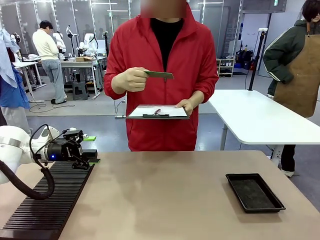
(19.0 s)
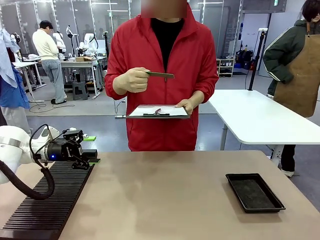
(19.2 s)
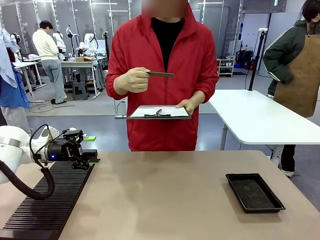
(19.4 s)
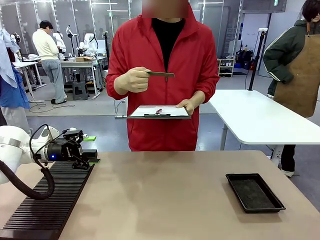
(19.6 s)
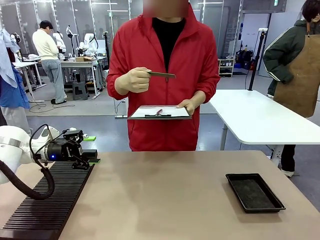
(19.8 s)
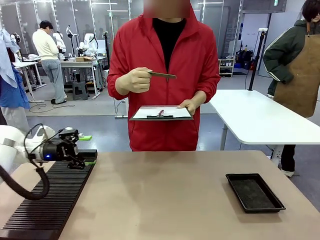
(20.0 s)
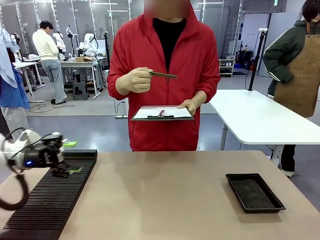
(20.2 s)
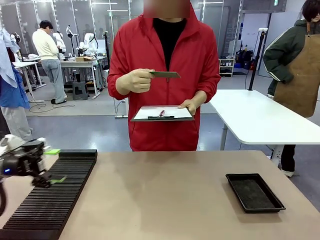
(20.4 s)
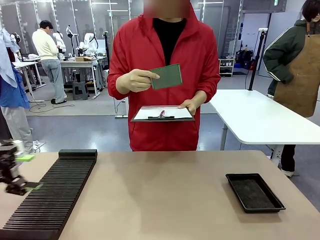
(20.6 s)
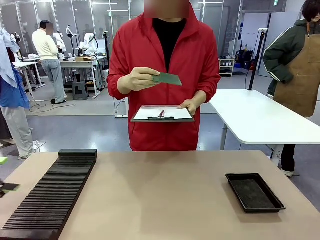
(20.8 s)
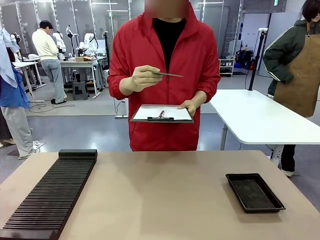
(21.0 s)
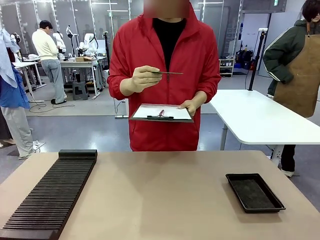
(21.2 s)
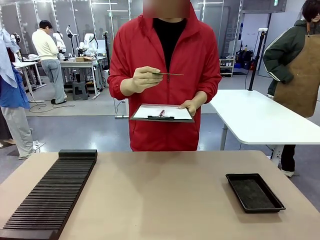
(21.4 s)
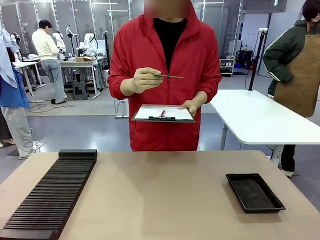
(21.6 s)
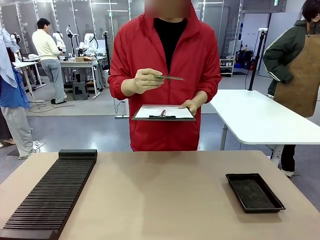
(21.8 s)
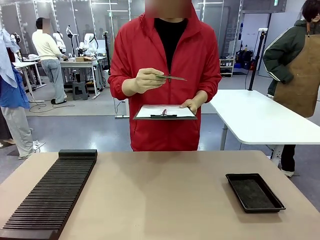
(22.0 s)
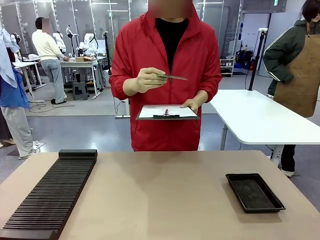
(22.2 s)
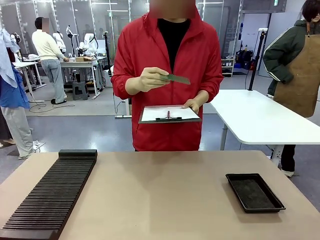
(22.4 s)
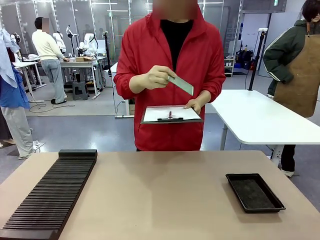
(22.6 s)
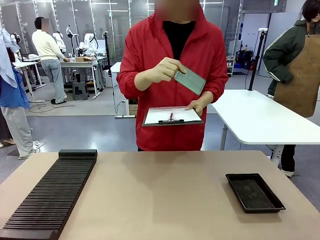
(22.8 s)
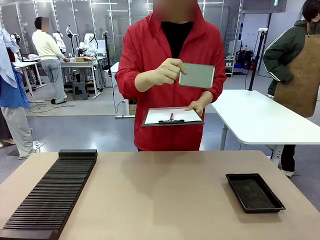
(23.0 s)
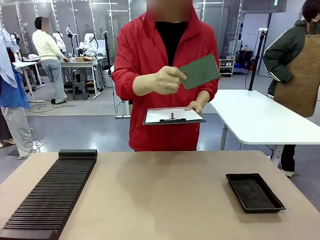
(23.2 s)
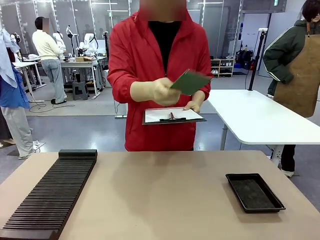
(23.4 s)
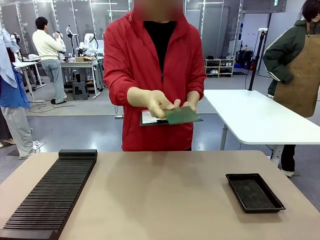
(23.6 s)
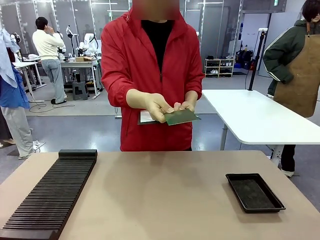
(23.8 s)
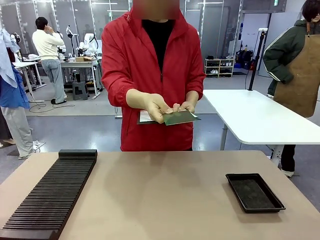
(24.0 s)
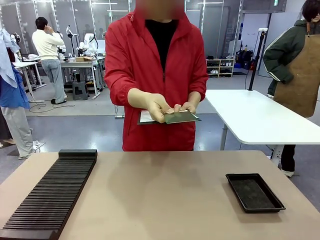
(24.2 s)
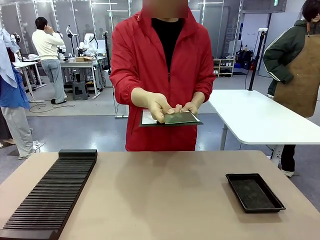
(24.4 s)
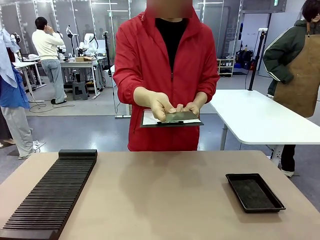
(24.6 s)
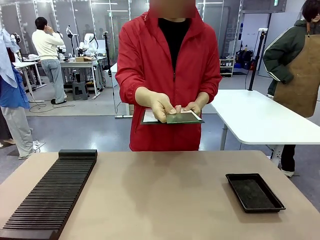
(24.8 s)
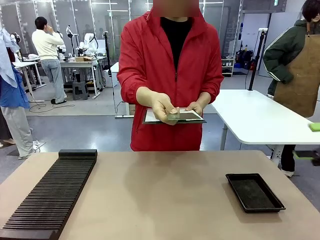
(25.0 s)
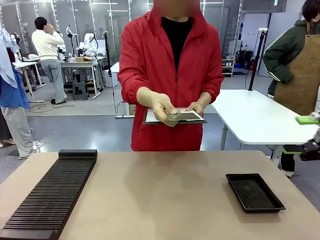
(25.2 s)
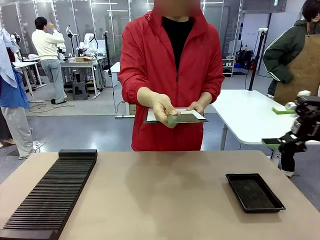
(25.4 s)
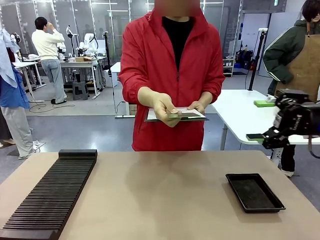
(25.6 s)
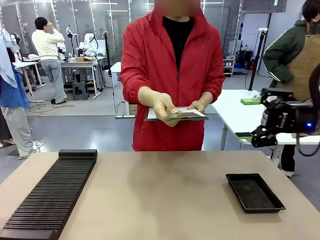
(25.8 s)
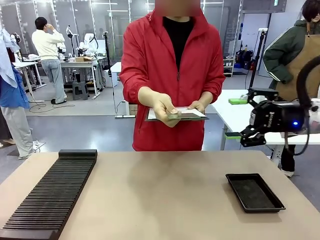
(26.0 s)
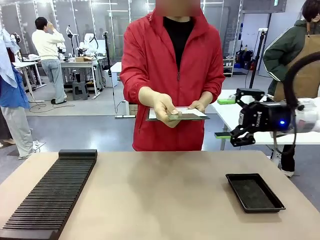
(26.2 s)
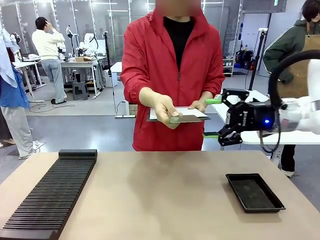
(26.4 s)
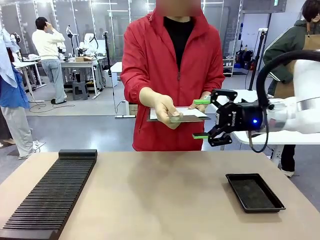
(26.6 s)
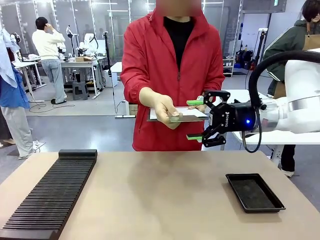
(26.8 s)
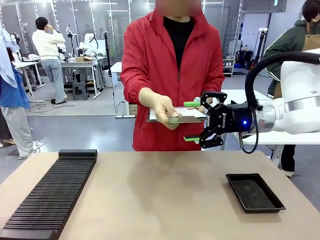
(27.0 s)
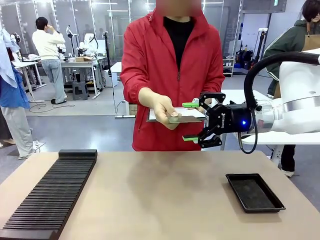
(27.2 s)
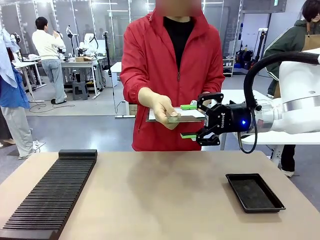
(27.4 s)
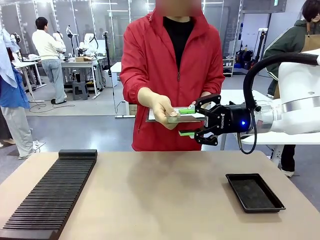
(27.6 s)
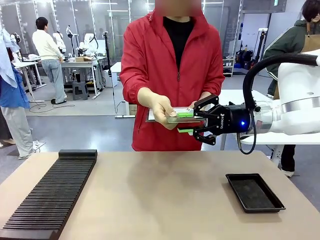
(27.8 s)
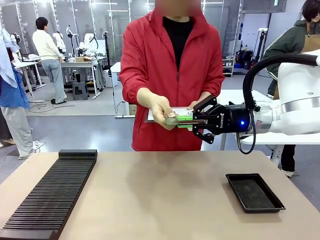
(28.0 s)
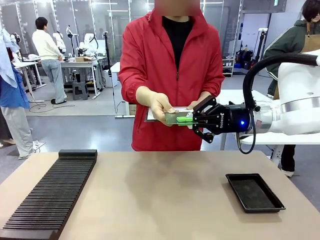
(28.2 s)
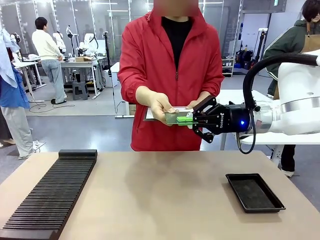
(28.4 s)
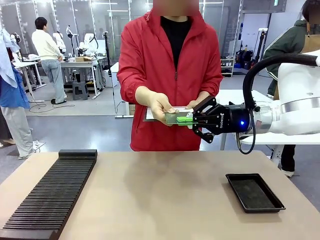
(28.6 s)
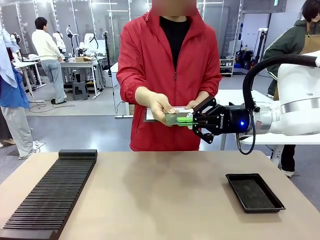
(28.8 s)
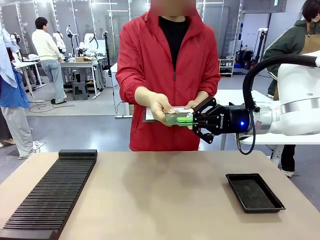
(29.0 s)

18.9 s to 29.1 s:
Task: Inspect the PCB.
Robot: Pick up the Blank PCB that the human is holding.
Person: Inspect the PCB placed by the robot, then hold it out in front of the robot. Release the PCB you were holding.

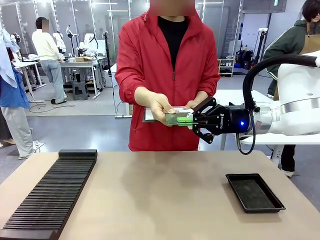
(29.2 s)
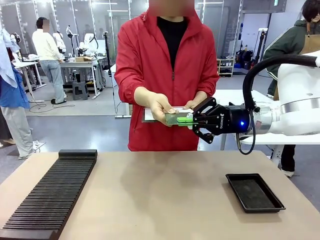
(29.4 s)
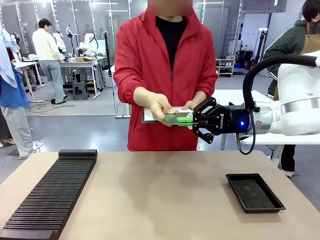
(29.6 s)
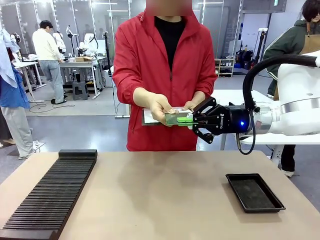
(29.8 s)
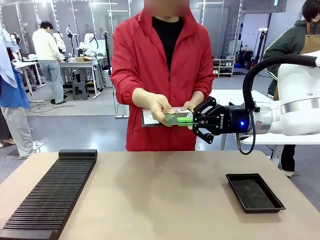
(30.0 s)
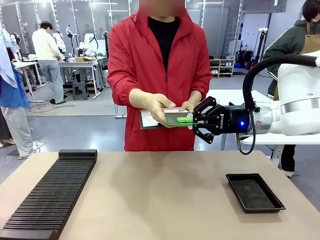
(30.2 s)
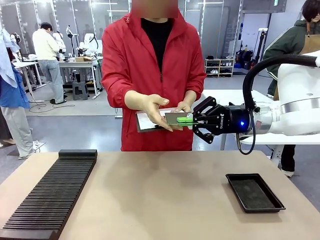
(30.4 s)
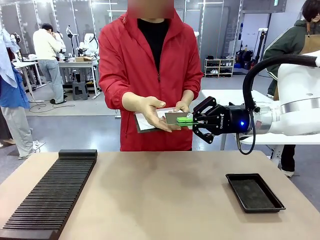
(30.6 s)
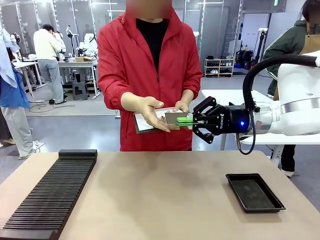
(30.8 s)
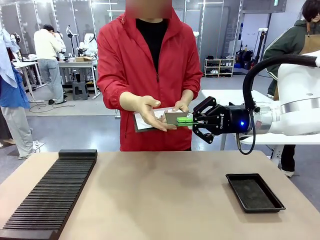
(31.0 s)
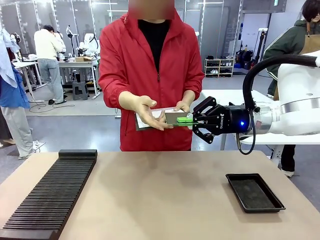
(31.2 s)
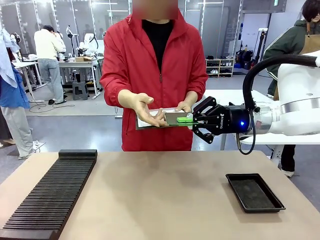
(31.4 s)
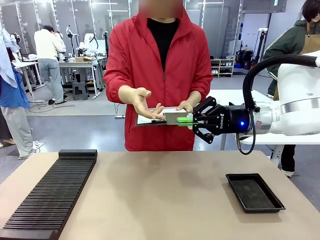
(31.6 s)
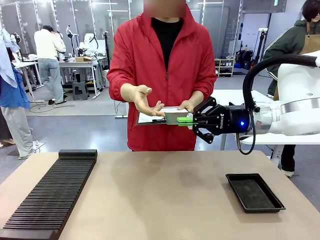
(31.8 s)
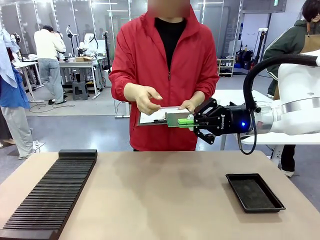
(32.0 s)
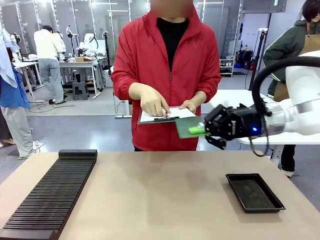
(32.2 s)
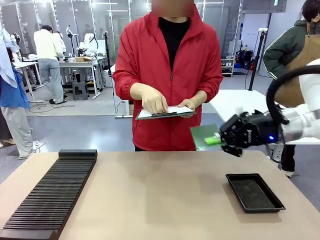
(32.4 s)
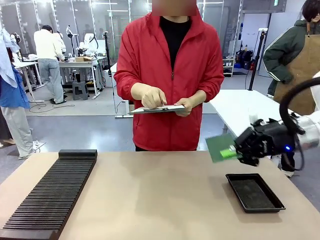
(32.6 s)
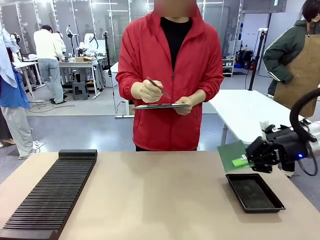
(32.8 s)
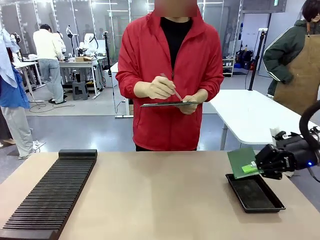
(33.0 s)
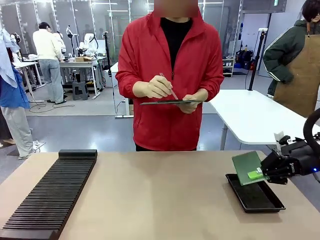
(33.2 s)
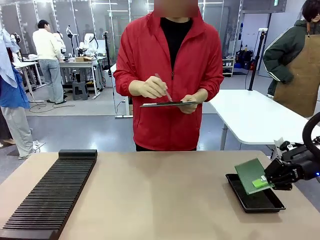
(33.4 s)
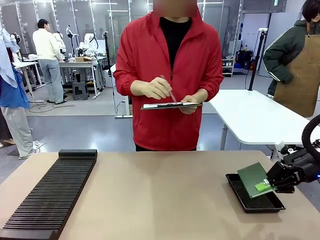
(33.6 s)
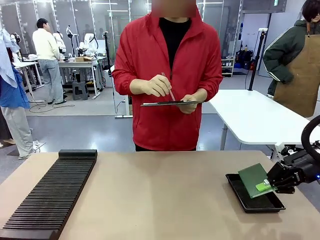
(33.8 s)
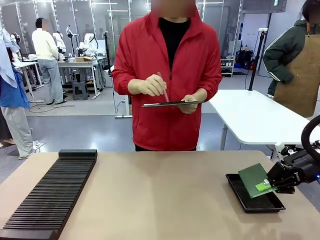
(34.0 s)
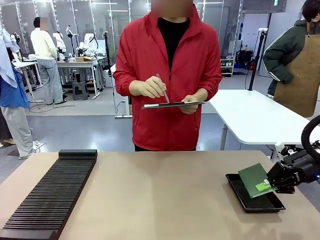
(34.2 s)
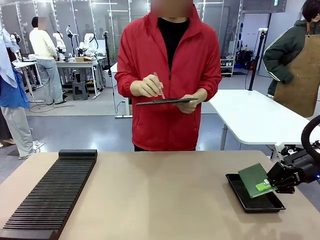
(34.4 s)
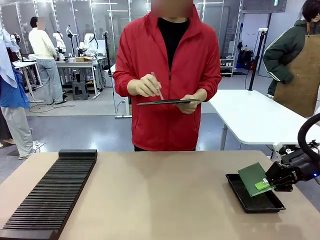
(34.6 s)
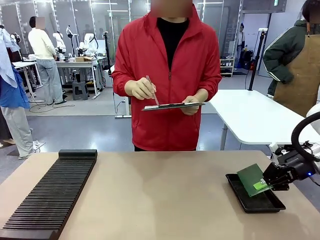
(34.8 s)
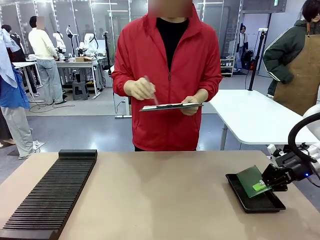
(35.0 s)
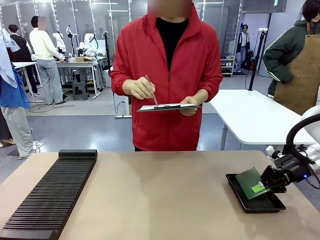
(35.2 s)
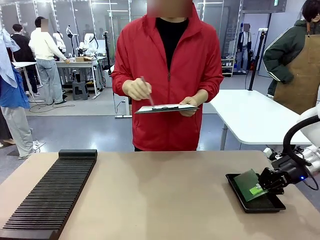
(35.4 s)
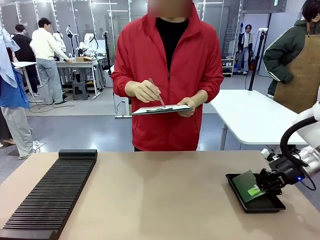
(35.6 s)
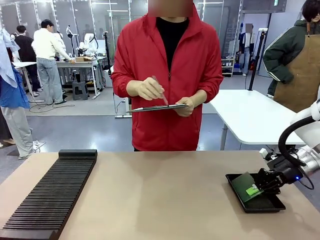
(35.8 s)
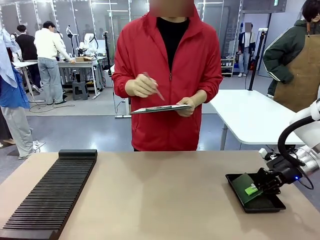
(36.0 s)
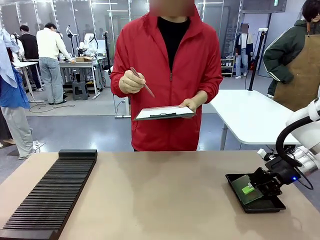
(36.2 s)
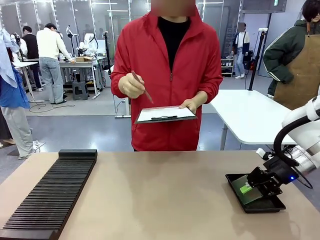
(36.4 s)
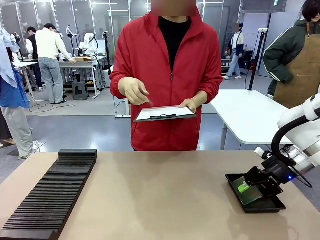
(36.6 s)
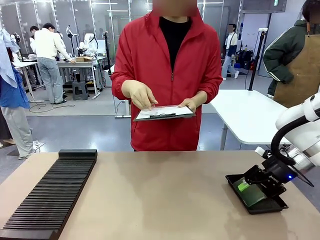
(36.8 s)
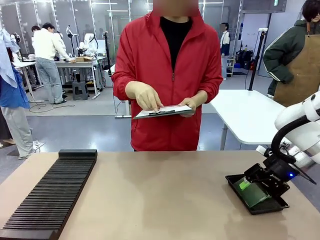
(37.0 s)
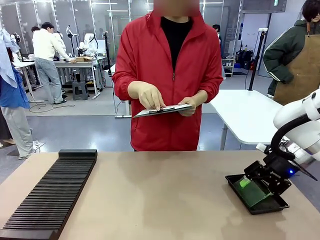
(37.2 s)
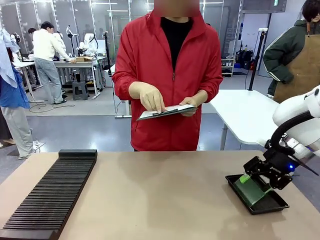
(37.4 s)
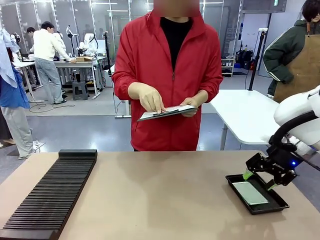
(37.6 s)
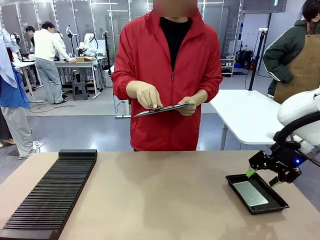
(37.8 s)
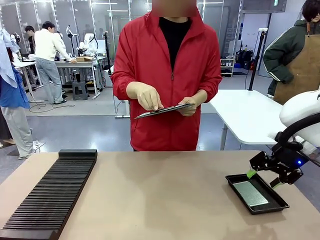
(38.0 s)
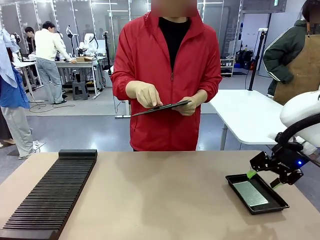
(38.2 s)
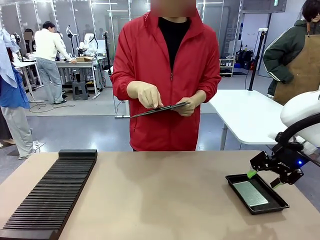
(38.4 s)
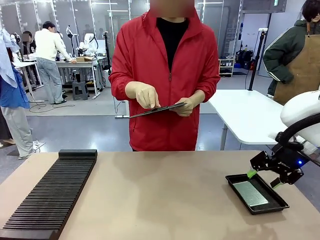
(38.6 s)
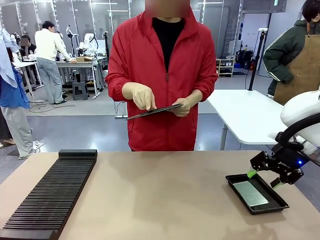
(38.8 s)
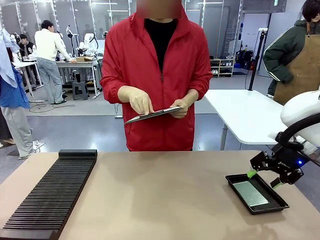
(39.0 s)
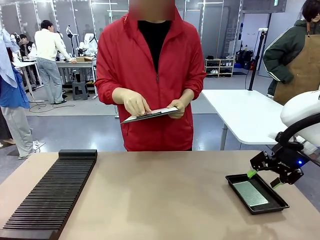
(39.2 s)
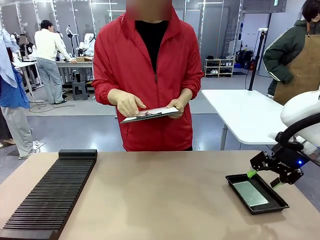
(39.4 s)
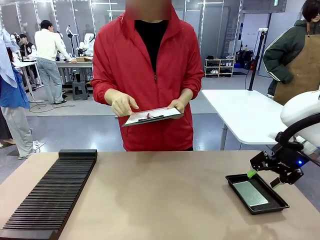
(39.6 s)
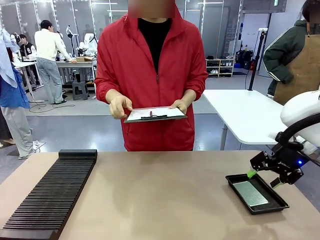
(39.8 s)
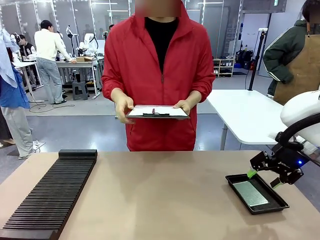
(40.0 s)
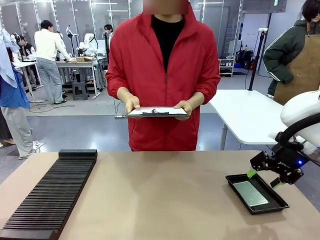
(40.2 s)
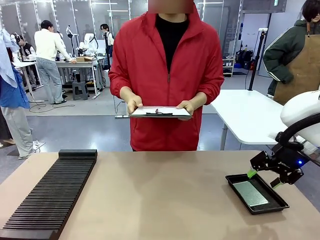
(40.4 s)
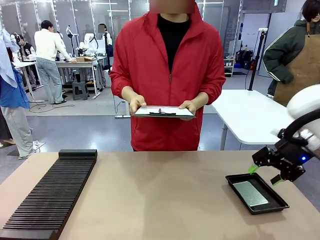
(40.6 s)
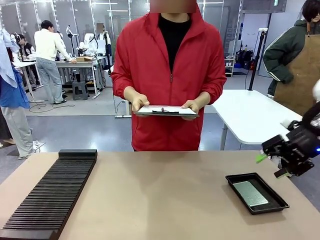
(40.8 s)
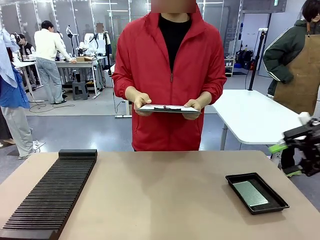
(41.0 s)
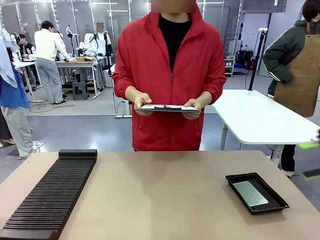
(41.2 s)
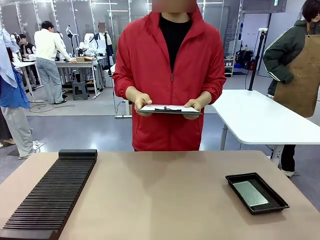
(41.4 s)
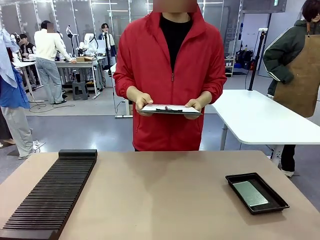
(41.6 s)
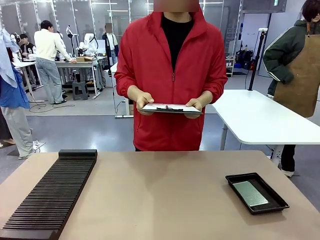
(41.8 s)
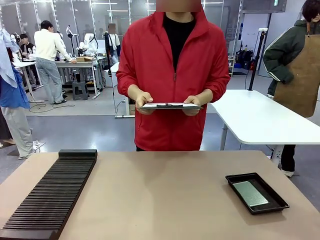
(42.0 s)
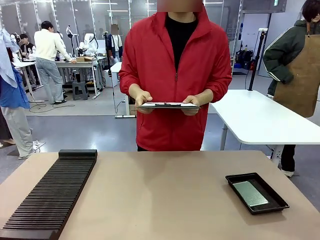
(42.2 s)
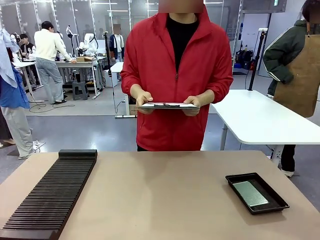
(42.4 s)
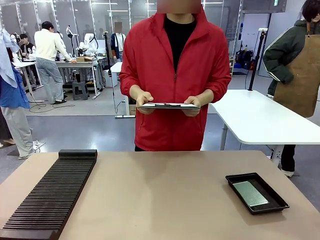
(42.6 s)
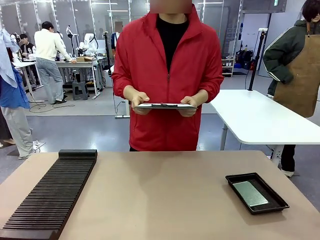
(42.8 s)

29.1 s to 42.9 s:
Robot: Place the Blank PCB in the ESD tray.
Person: Record the PCB status on the paper.
